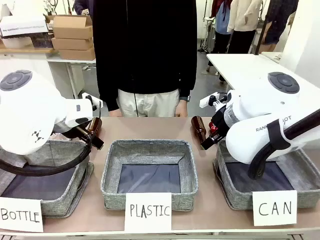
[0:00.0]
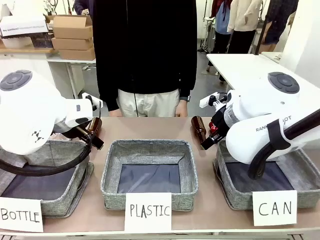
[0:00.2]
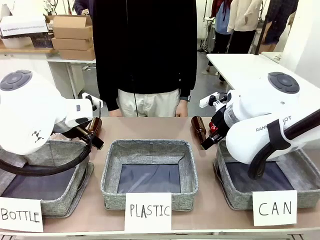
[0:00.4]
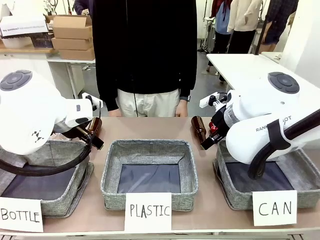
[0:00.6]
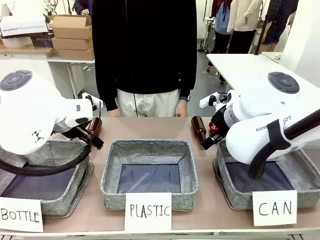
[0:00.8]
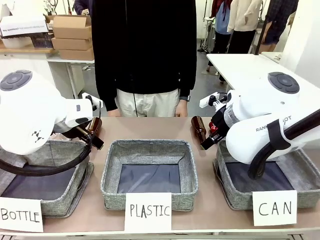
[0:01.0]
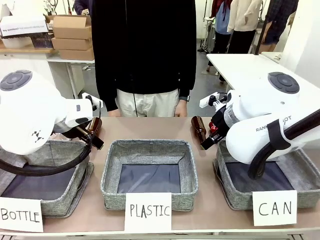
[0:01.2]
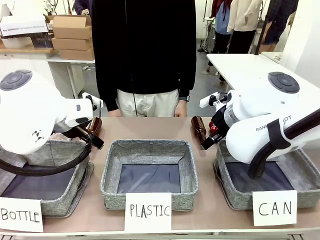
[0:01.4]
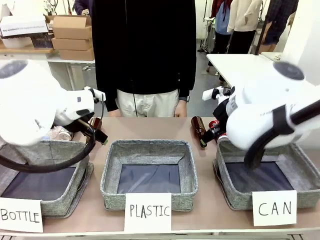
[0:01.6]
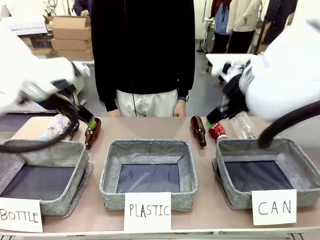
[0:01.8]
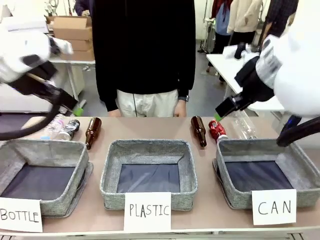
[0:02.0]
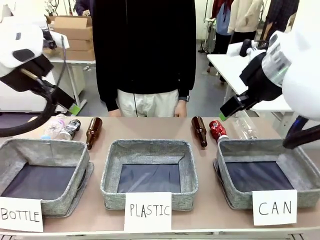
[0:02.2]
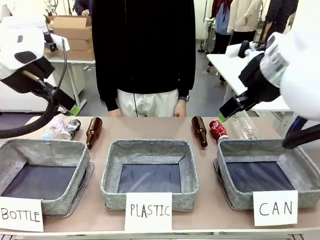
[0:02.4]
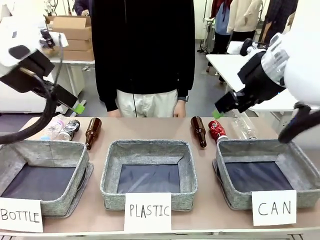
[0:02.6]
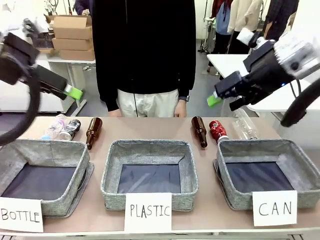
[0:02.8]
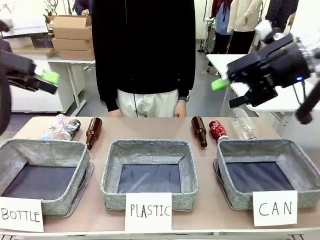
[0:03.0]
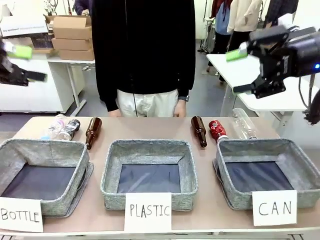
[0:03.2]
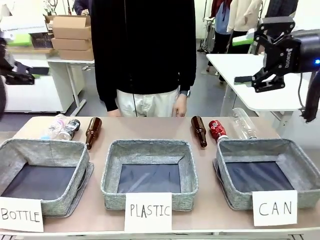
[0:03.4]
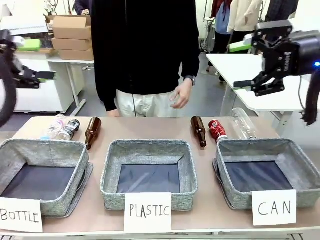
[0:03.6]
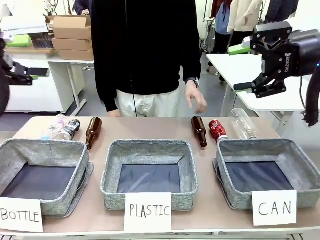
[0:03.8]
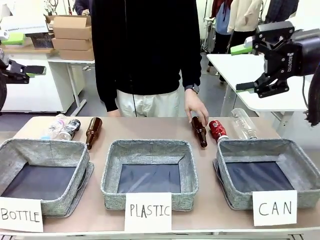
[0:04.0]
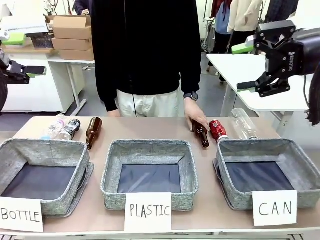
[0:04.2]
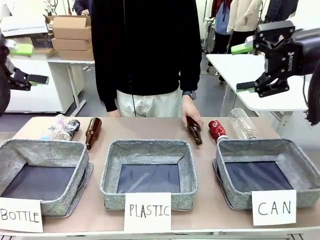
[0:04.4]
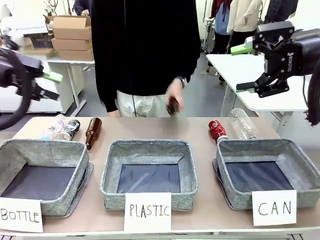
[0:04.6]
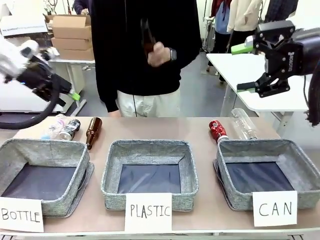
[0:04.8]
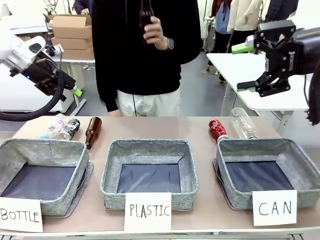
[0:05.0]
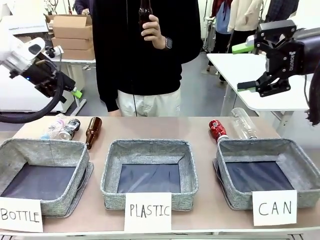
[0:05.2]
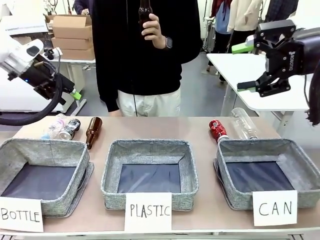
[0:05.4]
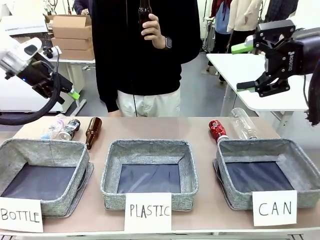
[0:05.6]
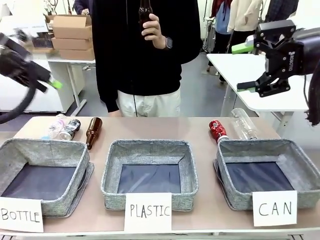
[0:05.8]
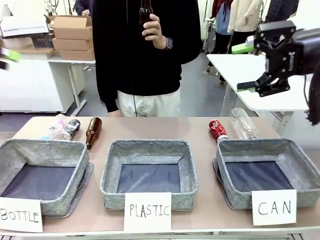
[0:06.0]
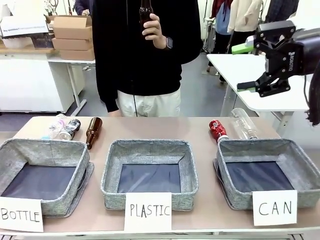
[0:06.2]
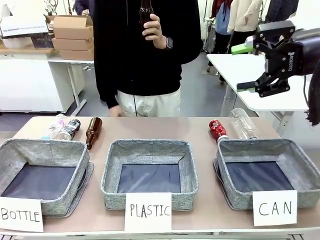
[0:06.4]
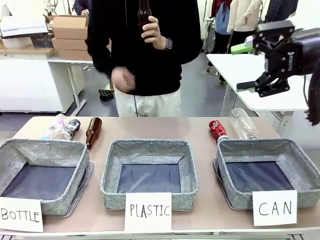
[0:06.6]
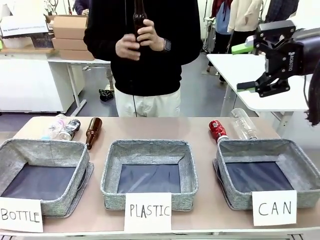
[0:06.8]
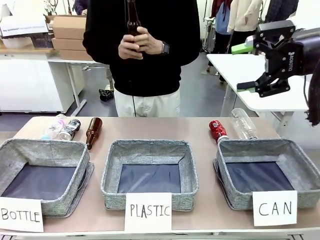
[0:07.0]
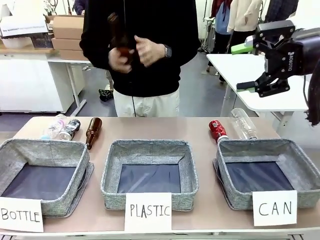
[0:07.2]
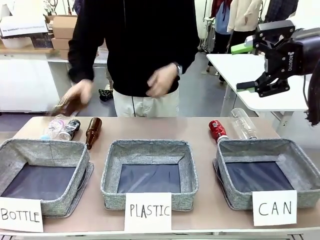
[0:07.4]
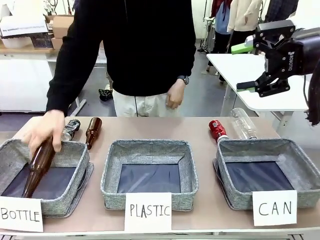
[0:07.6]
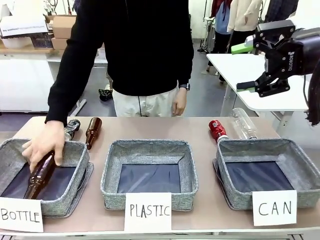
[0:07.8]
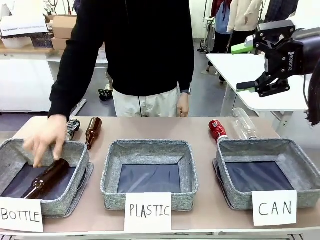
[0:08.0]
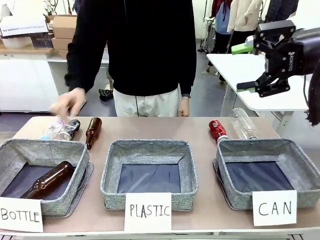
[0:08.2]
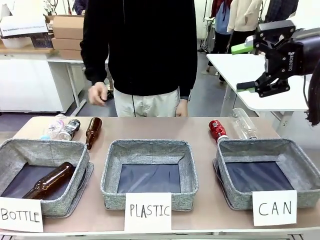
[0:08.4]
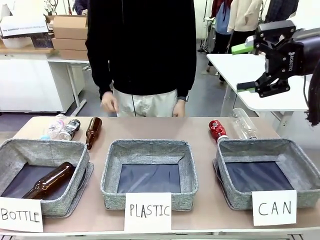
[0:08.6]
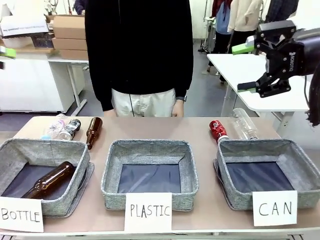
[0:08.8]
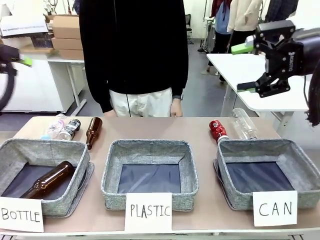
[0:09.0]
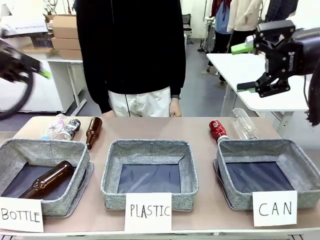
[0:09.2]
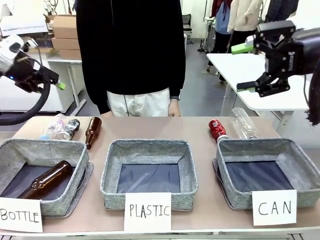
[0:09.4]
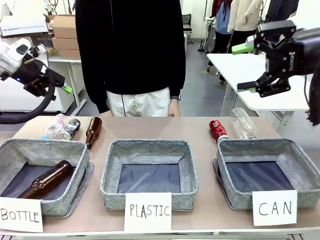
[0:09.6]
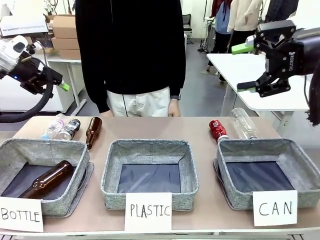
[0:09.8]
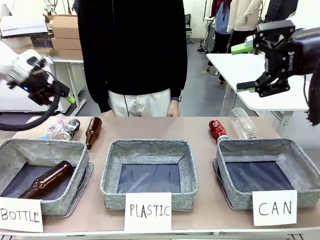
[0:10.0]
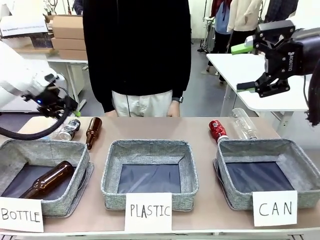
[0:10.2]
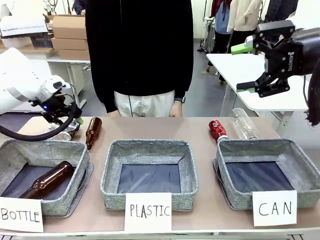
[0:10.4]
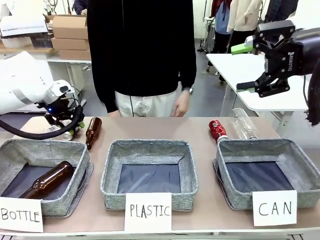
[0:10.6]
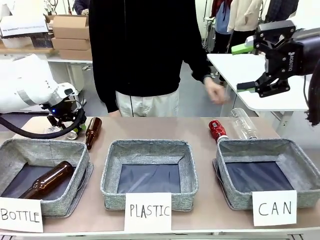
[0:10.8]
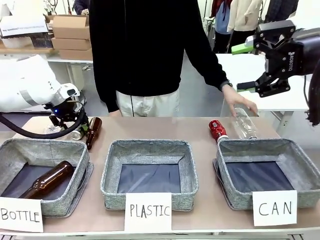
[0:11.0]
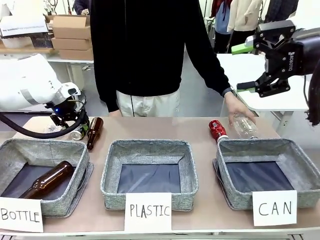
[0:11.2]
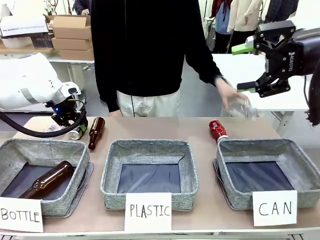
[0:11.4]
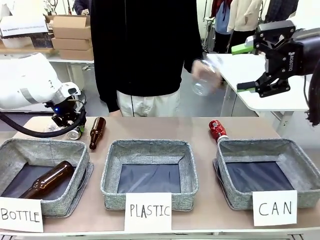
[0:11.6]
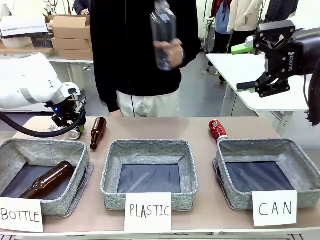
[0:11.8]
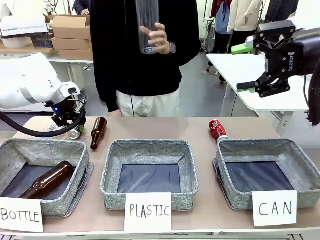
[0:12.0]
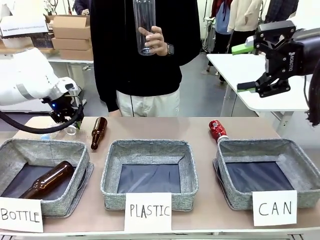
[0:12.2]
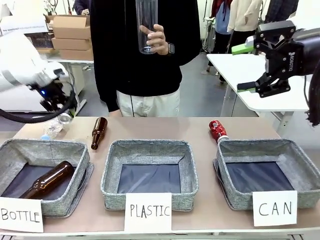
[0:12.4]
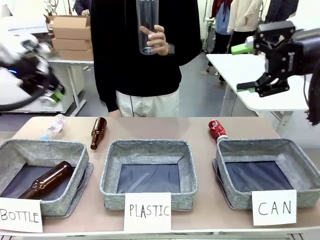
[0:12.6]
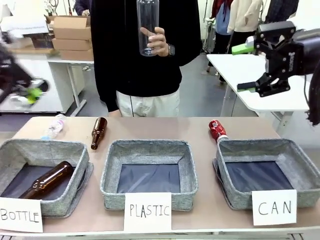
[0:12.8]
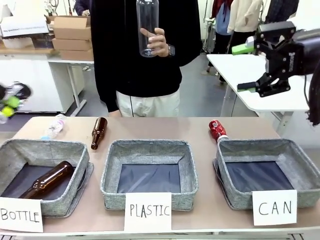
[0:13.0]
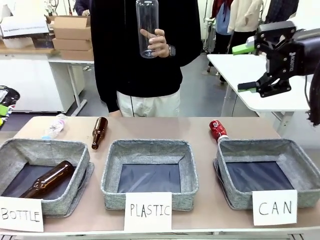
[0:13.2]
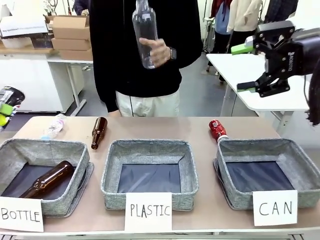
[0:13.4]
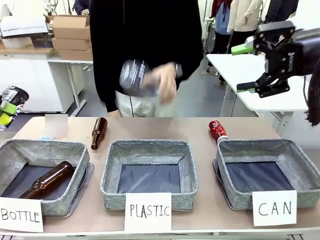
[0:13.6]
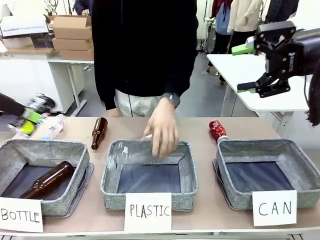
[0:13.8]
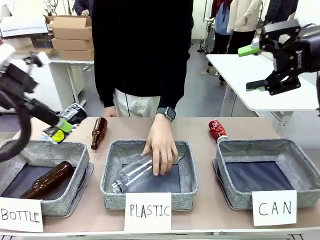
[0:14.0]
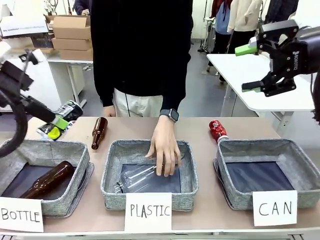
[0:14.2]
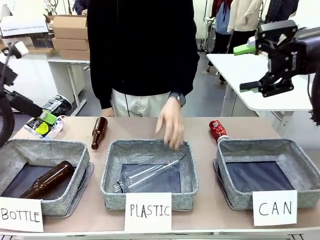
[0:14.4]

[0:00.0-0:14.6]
Task: Sort the can waste into the basket.
Robot: Pick up the can waste from the table and place it in the right Fabric basket.
